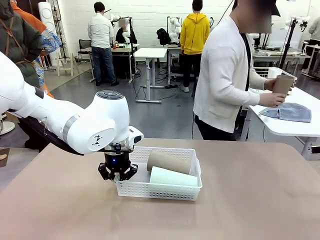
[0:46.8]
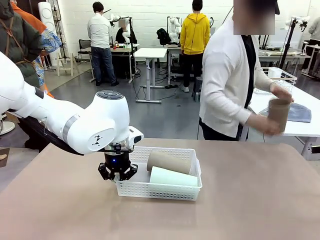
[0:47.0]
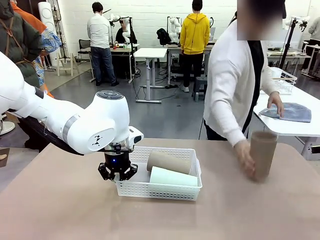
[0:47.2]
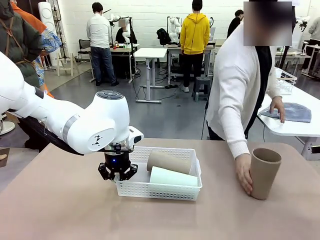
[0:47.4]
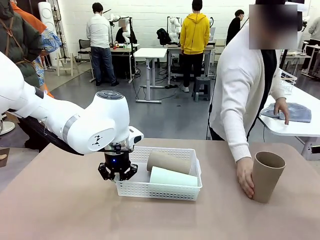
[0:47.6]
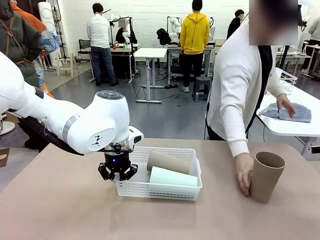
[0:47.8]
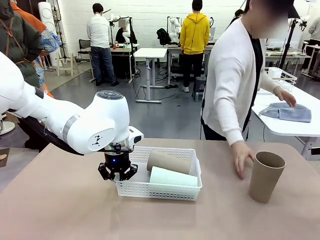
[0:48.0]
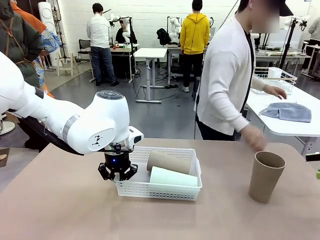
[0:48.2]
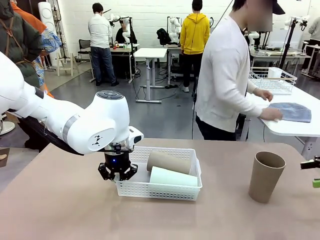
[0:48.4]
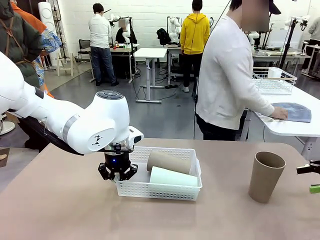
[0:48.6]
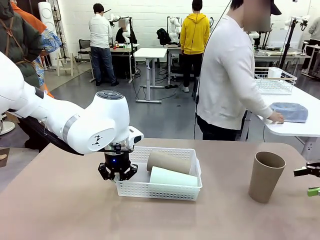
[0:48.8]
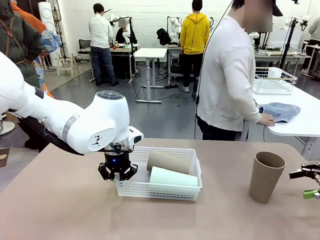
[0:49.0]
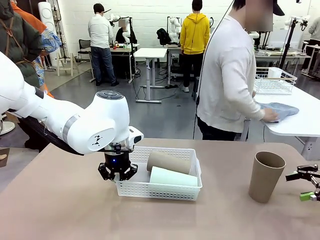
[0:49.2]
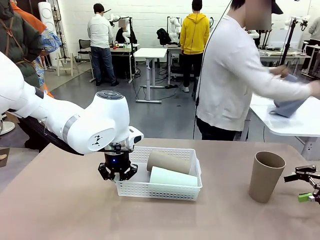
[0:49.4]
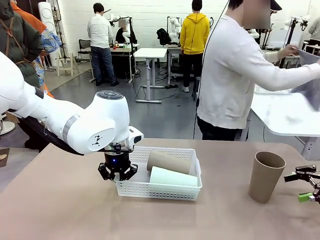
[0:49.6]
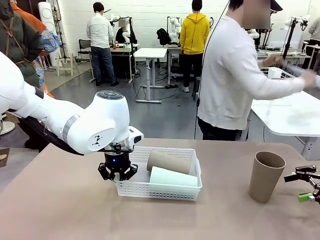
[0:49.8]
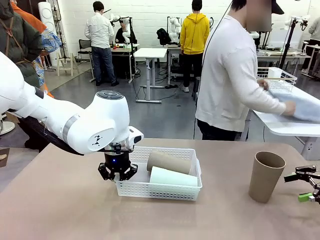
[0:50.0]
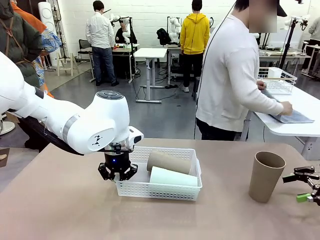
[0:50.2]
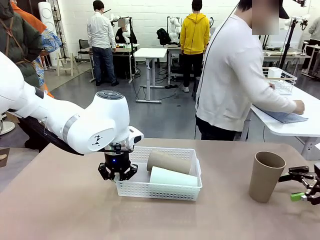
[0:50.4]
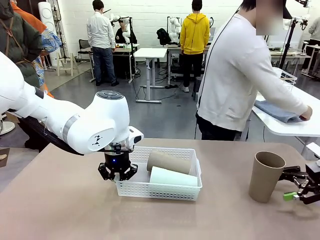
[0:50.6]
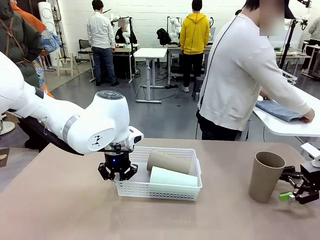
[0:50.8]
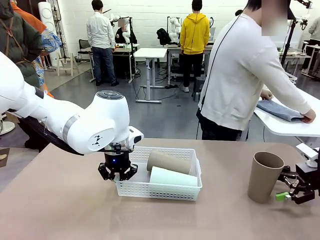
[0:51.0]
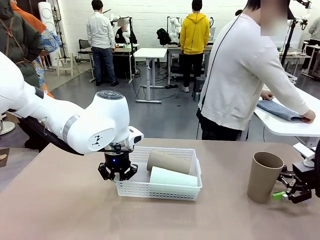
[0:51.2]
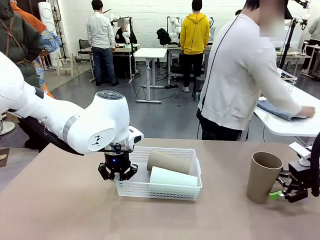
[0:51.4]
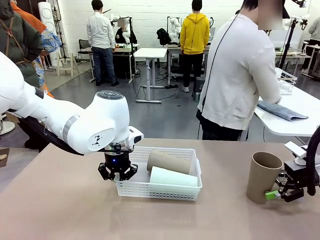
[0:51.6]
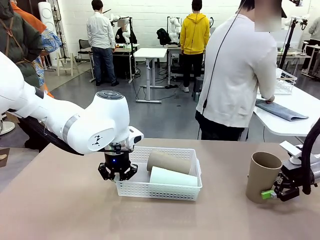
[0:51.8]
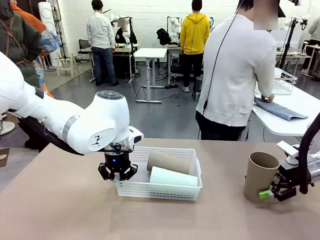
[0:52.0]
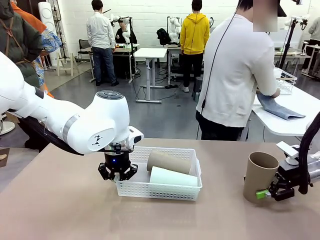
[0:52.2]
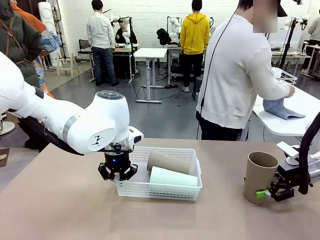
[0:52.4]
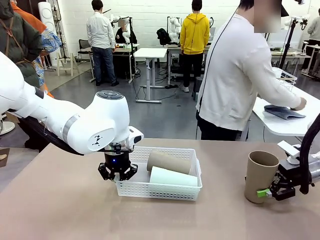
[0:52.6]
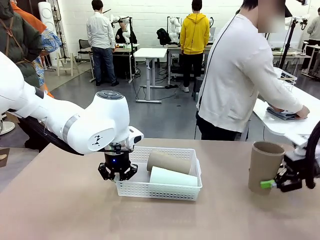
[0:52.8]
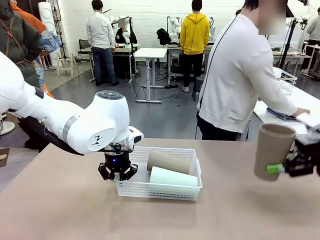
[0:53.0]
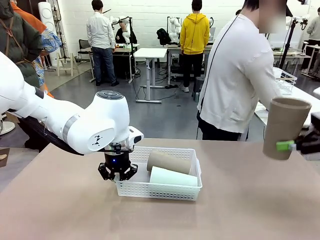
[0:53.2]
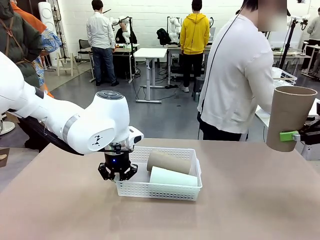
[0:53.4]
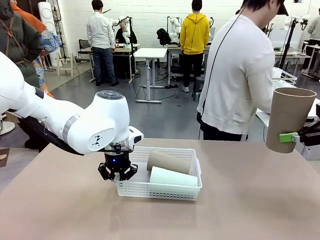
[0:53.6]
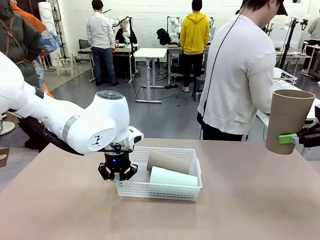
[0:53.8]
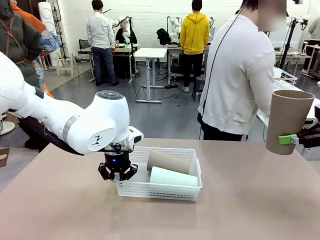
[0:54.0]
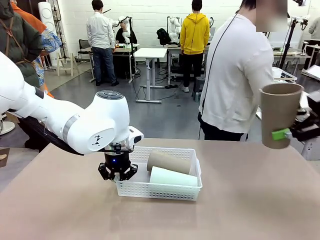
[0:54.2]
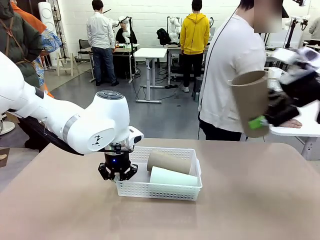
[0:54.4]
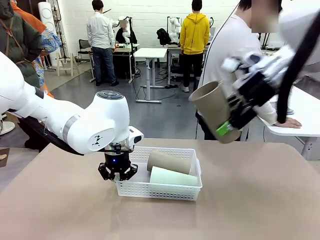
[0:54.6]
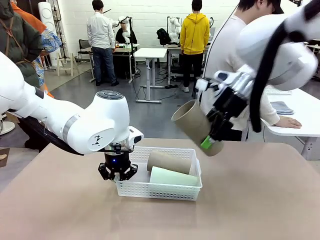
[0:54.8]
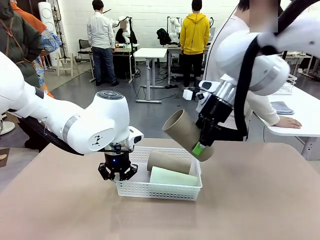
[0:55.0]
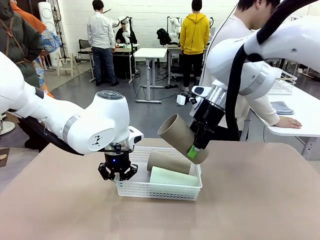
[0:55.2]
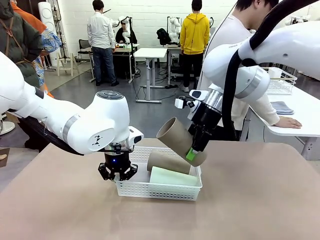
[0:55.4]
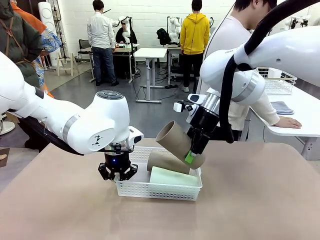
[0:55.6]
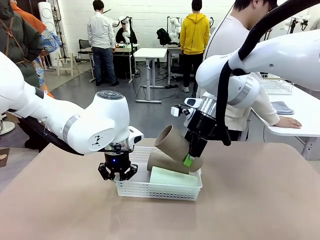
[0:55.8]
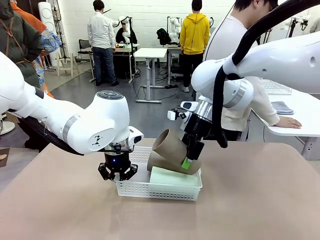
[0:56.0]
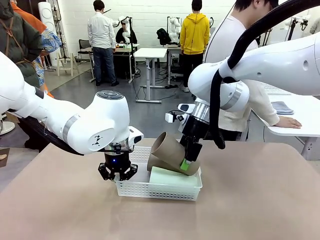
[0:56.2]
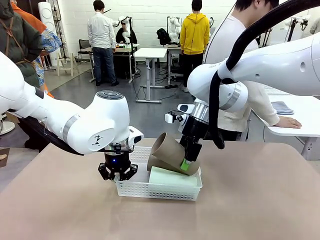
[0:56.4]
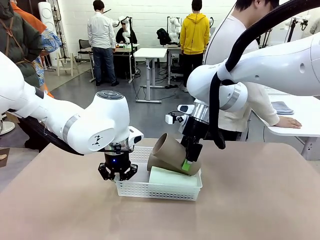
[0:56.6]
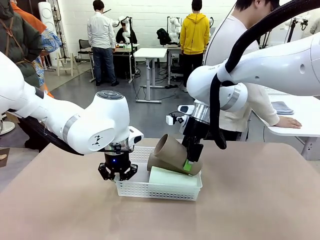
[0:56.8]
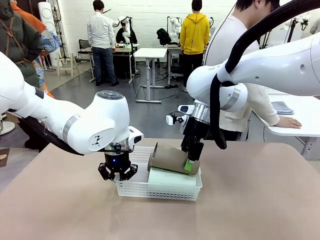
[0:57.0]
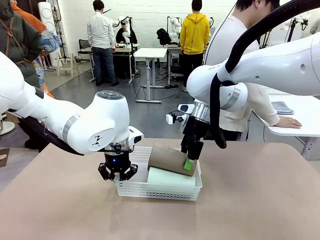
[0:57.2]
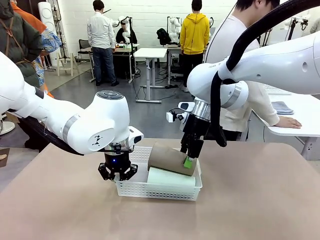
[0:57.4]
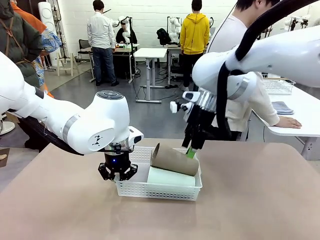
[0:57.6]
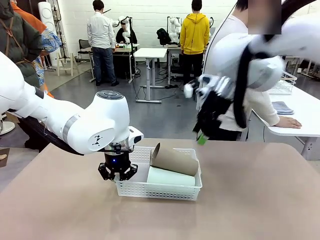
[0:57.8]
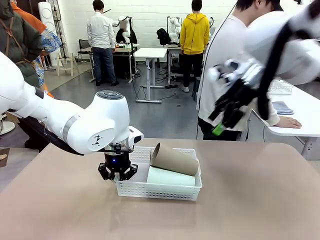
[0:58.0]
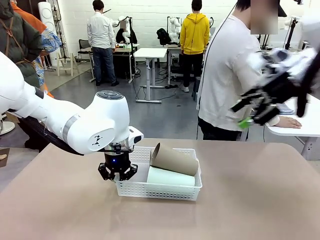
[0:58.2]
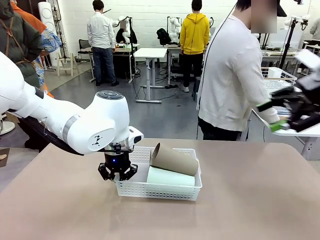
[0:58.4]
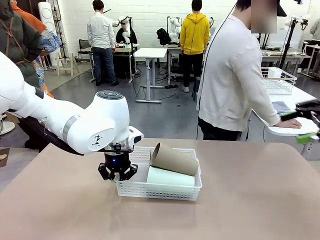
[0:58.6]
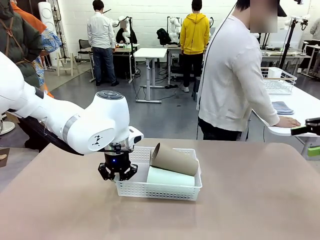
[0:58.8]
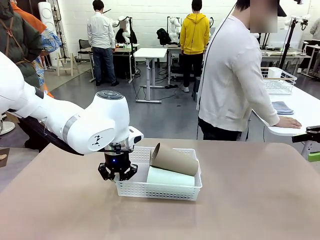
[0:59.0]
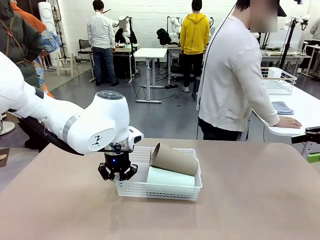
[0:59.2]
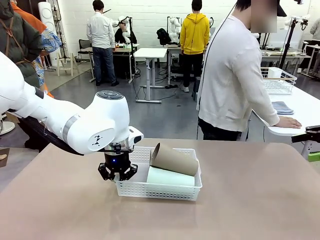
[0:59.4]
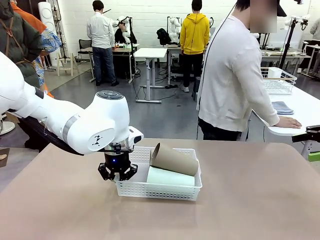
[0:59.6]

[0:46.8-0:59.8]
Task: Clean and organize the cups into the basket.
Robot: Pick up the Reusable plastic cup from the right side of the table and stack it inside the Organizing basket in the center of the table.
Person: Folds the towel in half twice and places it in the right of the table.

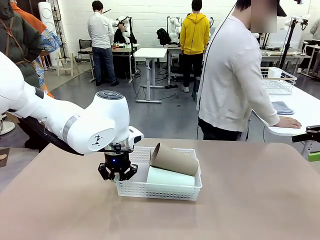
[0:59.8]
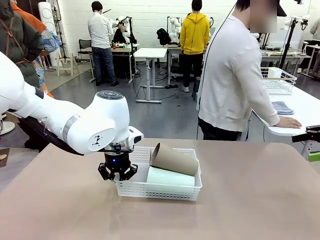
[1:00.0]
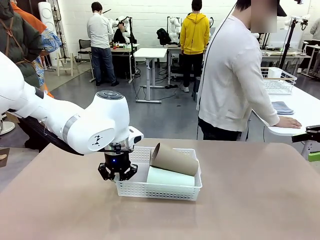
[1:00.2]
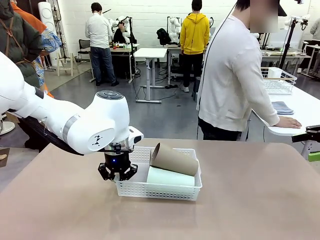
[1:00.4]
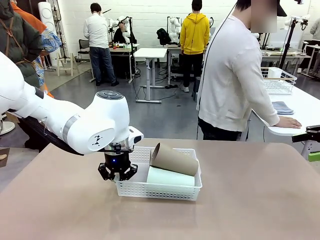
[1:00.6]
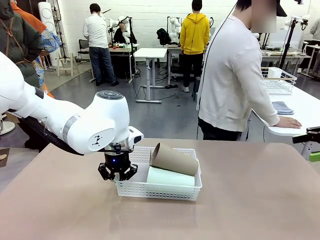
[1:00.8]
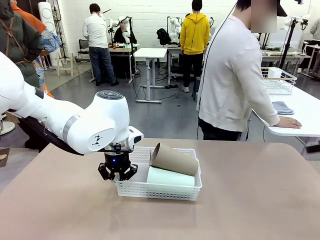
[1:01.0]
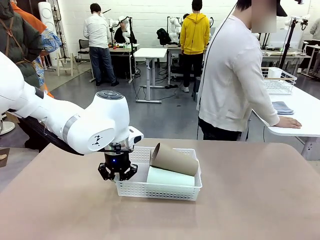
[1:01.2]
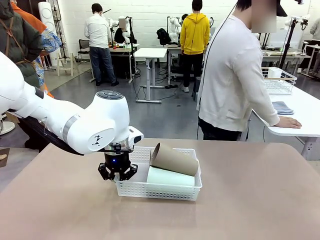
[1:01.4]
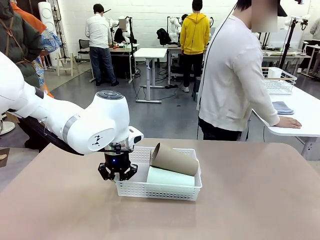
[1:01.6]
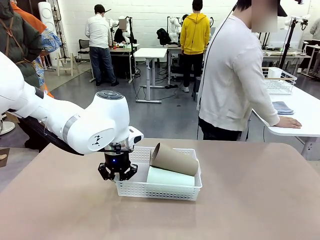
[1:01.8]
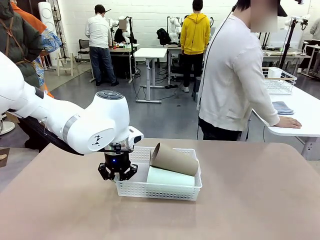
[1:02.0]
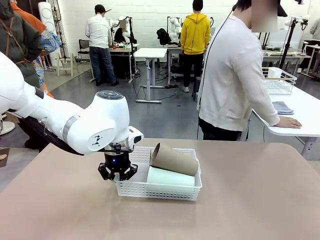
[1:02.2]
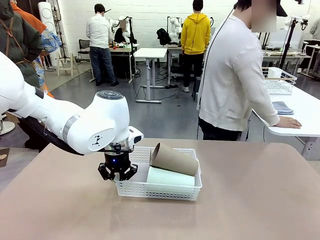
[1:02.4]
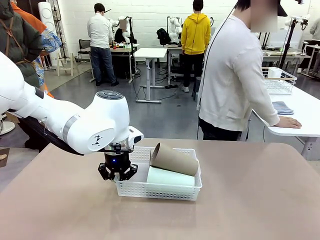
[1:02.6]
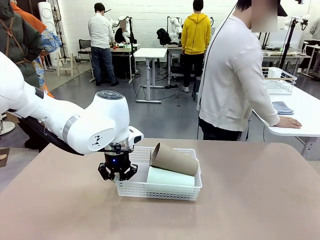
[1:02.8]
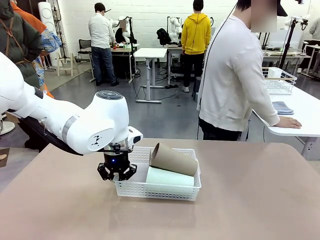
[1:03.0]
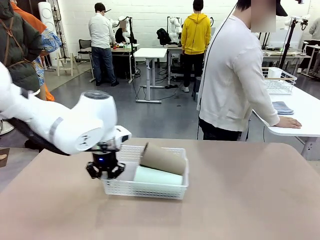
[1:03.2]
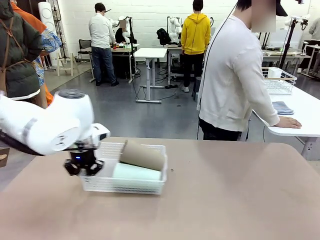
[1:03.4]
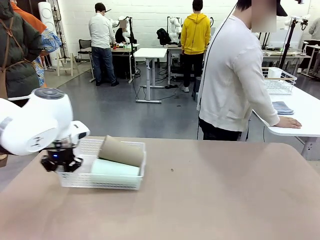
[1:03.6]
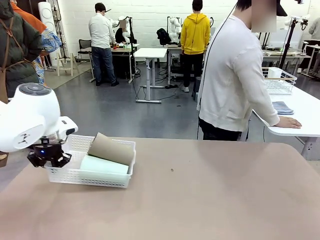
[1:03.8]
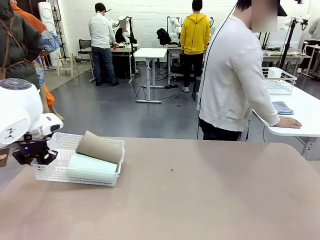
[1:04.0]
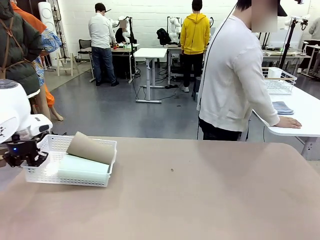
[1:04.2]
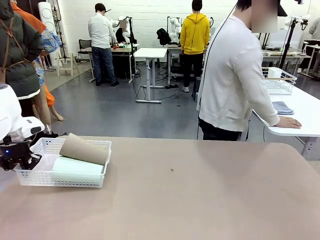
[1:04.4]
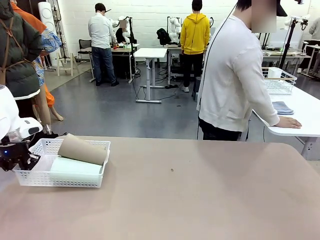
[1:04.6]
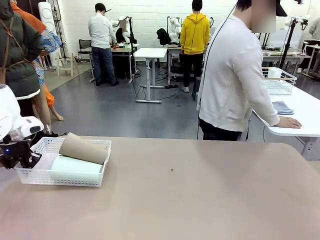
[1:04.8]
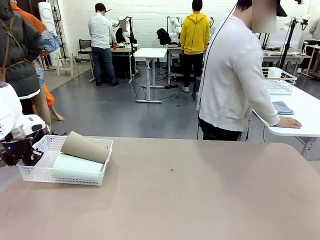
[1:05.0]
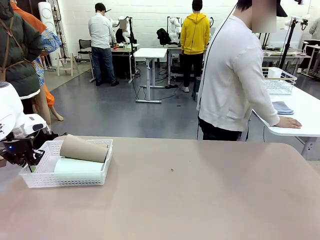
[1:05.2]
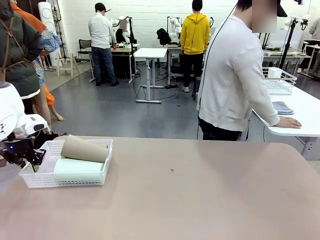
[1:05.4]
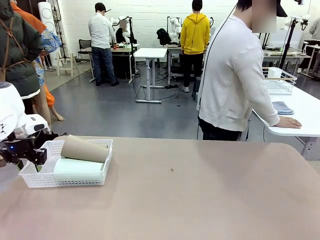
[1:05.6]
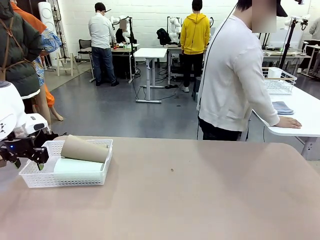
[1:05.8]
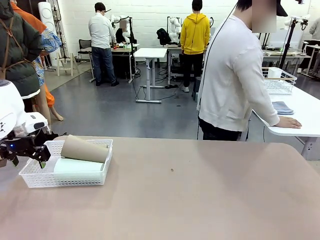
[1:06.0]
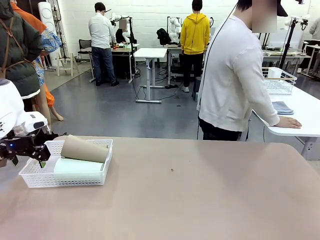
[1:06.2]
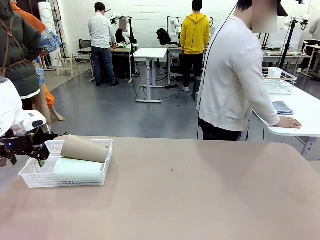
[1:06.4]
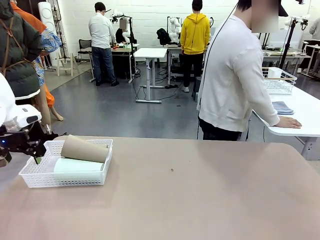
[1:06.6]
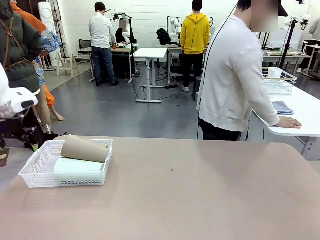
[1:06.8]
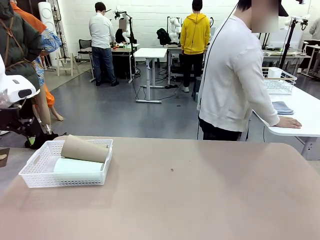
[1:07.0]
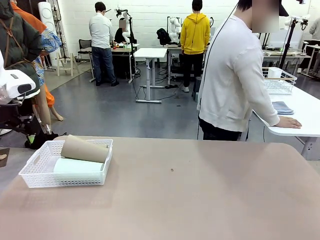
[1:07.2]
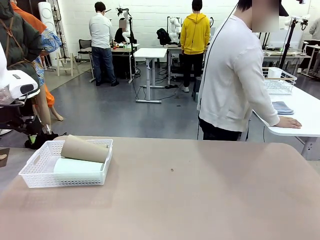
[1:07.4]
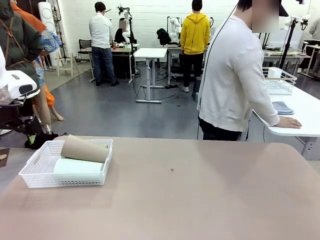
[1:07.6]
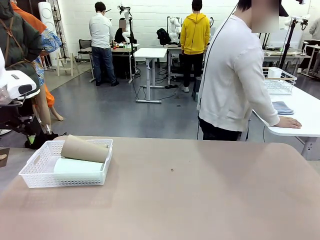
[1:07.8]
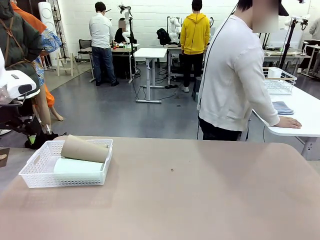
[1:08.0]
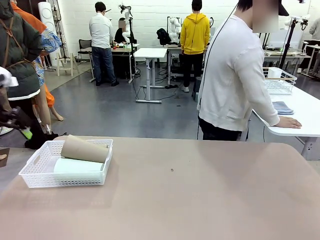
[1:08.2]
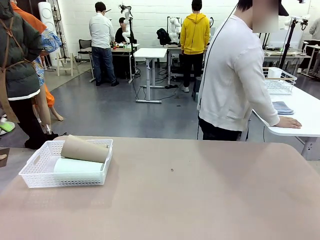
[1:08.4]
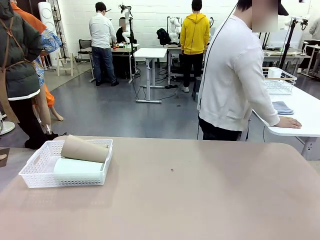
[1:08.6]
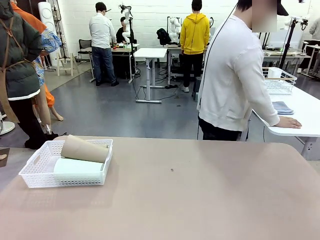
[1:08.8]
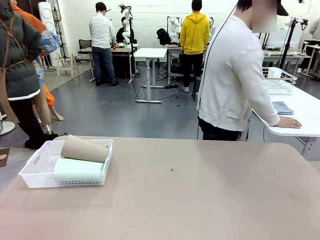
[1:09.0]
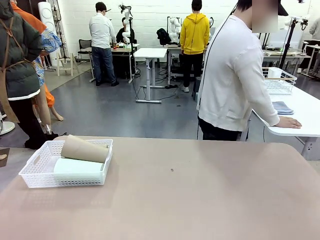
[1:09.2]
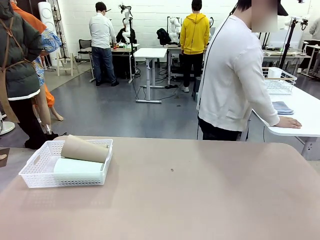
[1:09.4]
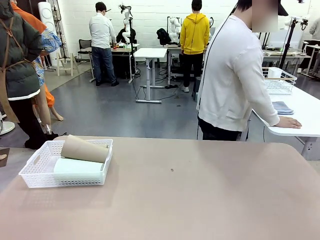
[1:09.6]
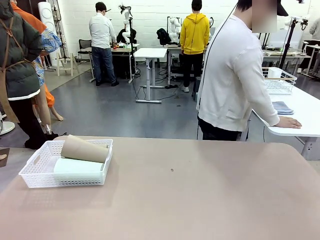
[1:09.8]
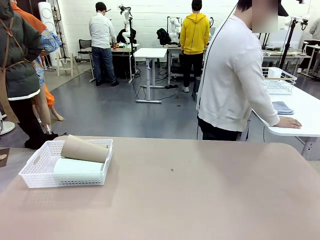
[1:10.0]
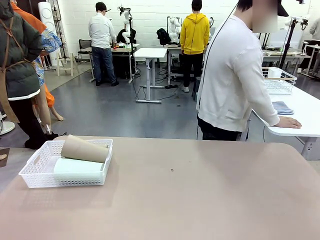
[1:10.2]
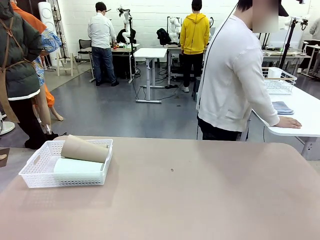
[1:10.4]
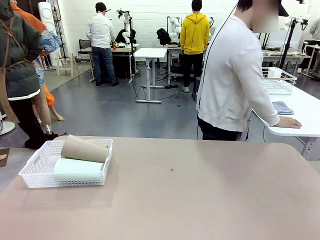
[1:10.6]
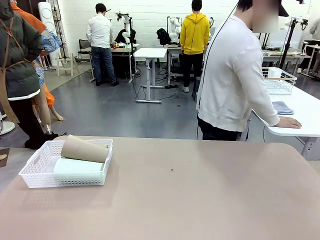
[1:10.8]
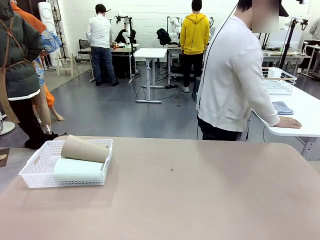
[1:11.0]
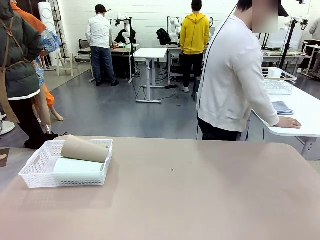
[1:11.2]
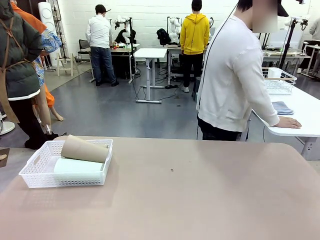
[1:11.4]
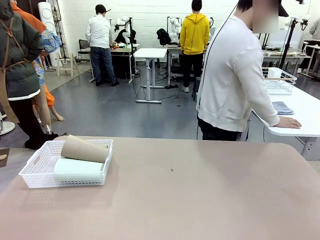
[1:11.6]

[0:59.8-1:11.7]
Robot: Move the Organizing basket back to the left side of the table.
